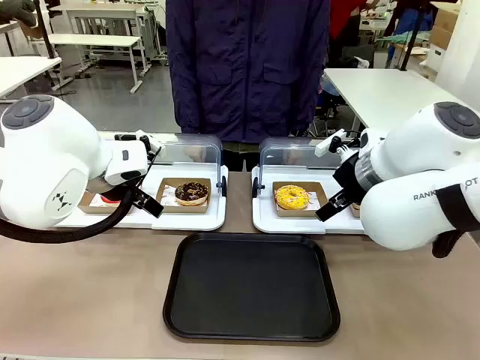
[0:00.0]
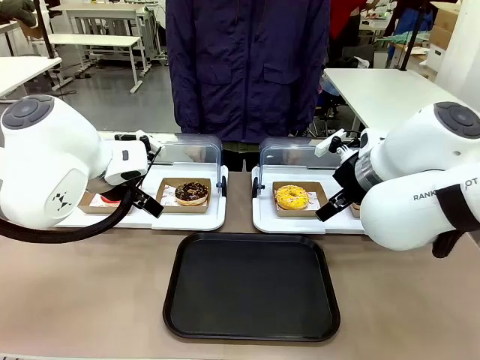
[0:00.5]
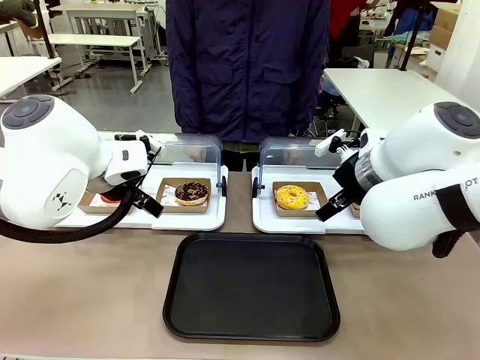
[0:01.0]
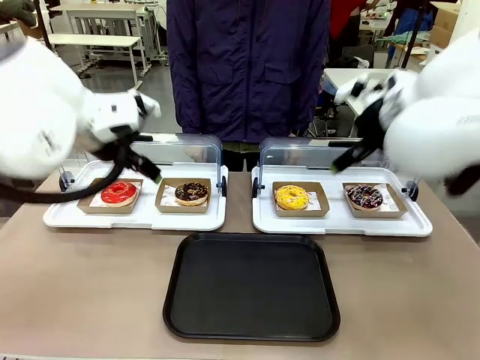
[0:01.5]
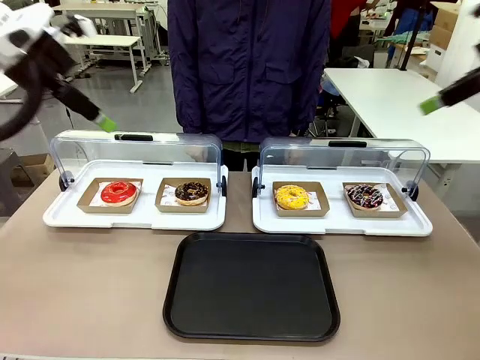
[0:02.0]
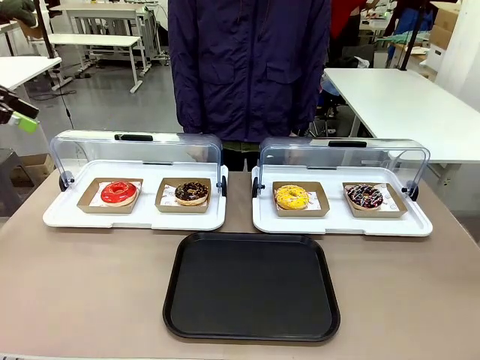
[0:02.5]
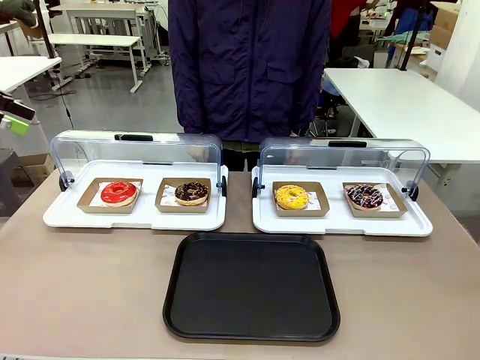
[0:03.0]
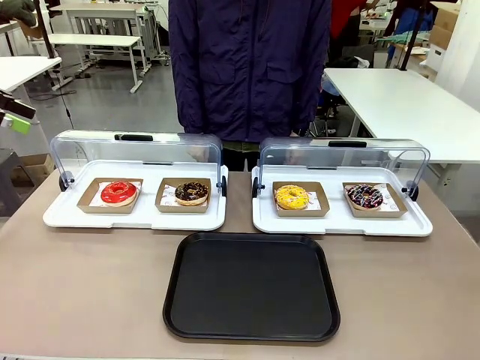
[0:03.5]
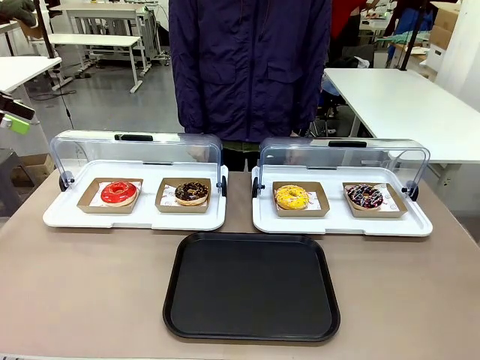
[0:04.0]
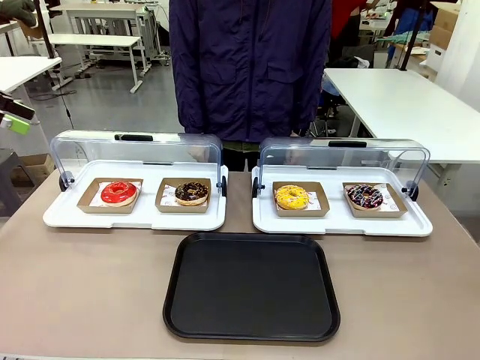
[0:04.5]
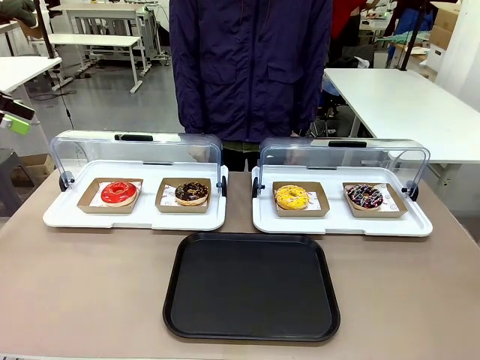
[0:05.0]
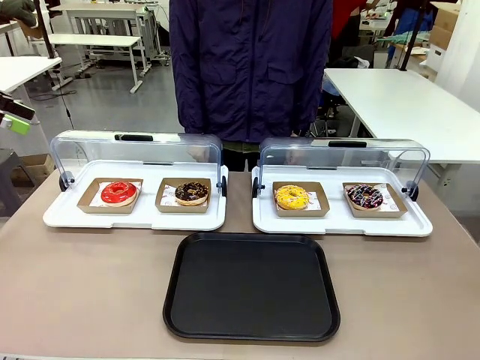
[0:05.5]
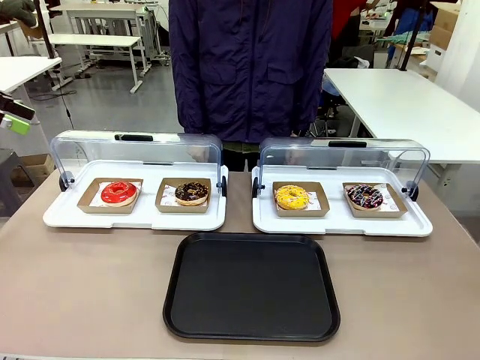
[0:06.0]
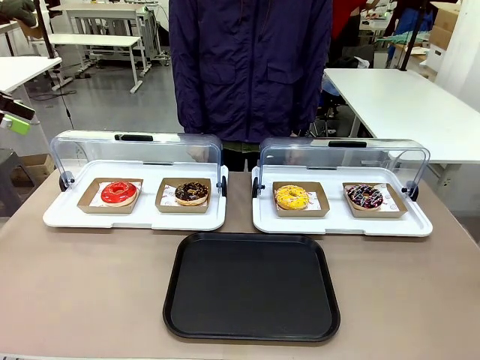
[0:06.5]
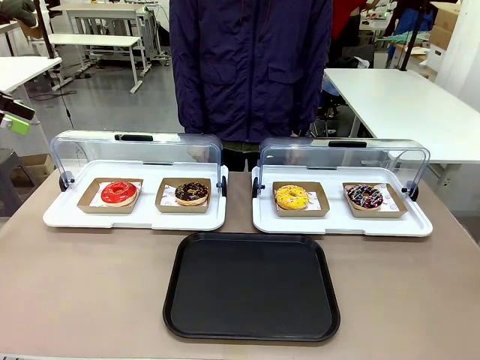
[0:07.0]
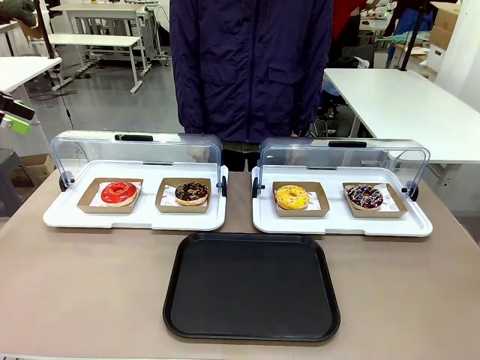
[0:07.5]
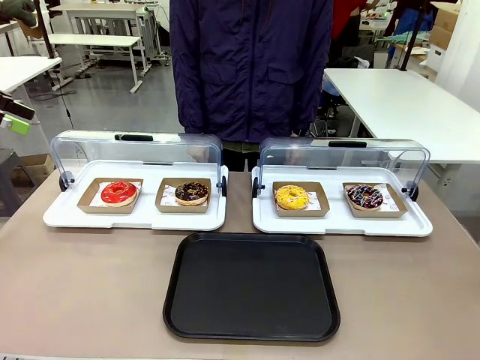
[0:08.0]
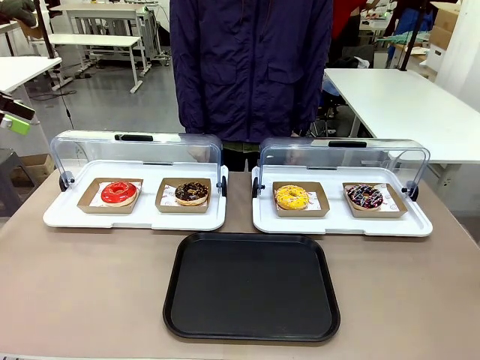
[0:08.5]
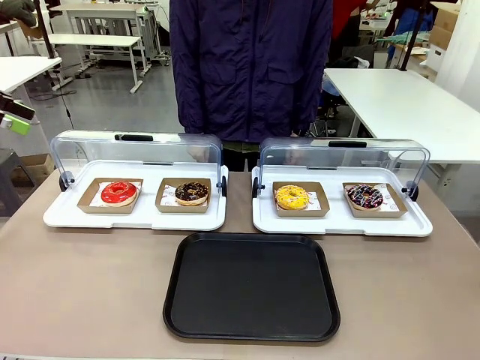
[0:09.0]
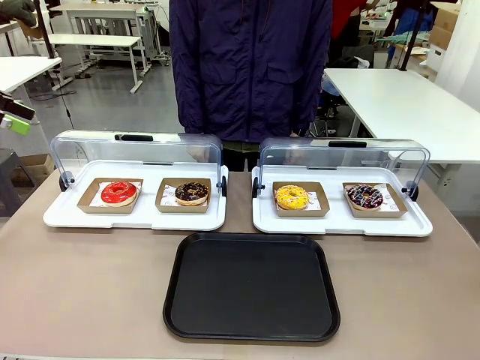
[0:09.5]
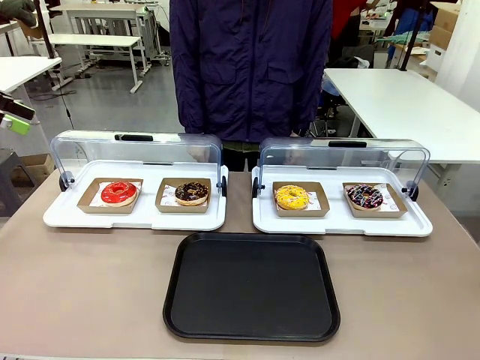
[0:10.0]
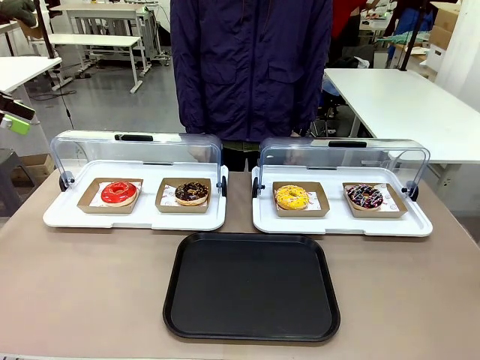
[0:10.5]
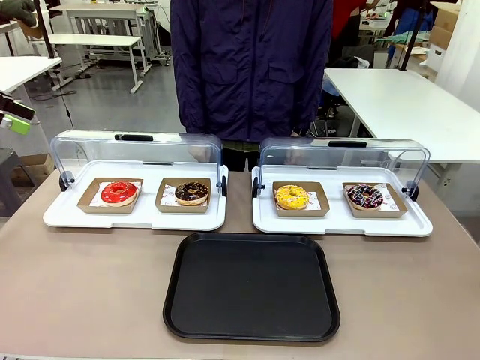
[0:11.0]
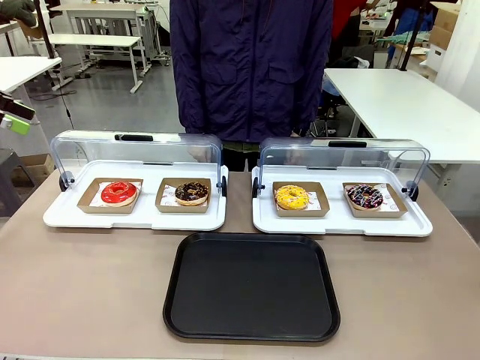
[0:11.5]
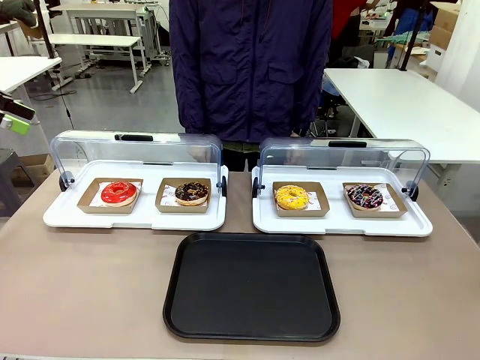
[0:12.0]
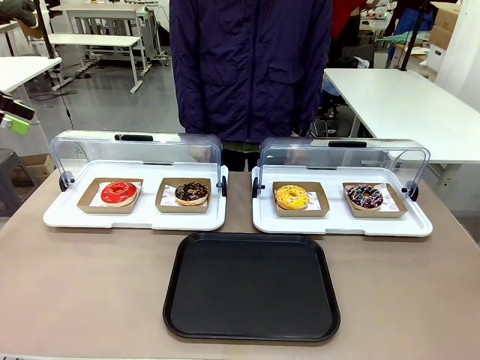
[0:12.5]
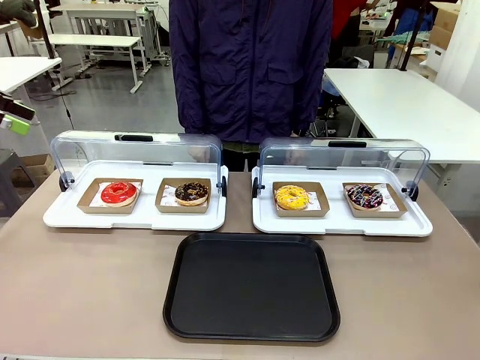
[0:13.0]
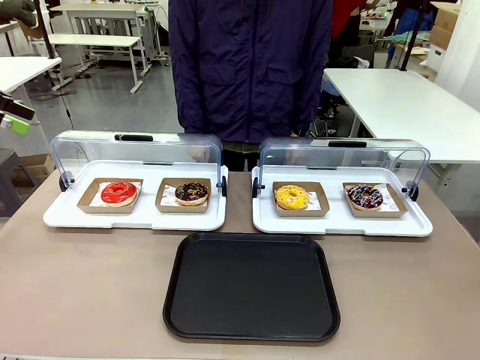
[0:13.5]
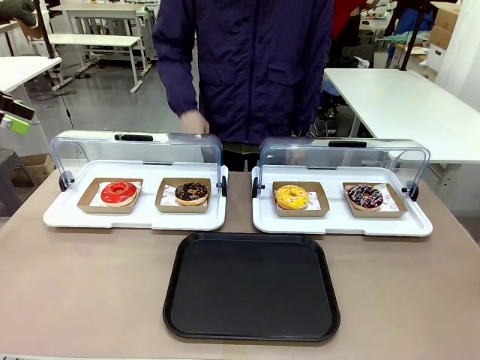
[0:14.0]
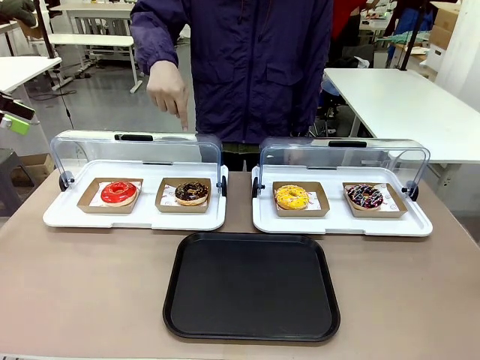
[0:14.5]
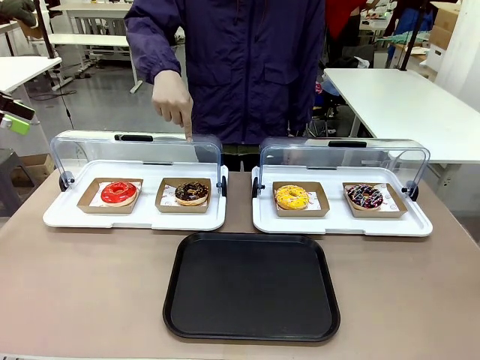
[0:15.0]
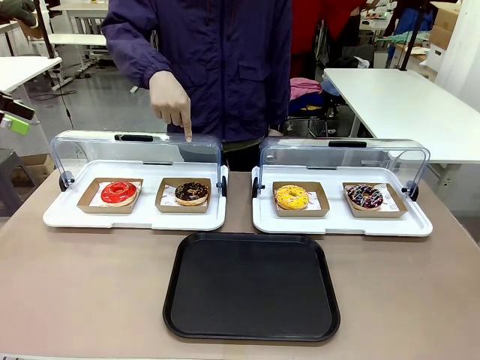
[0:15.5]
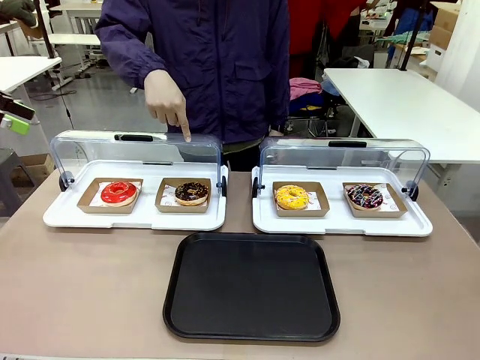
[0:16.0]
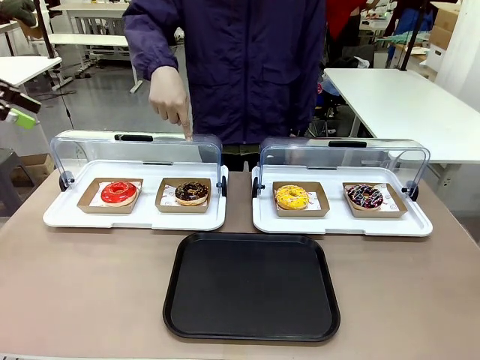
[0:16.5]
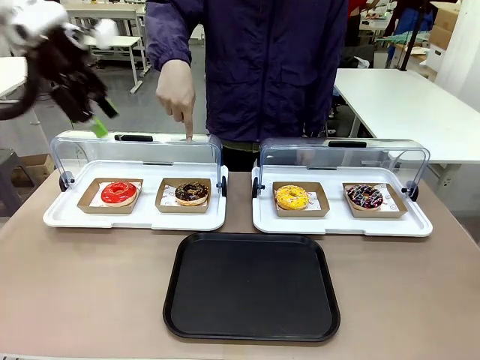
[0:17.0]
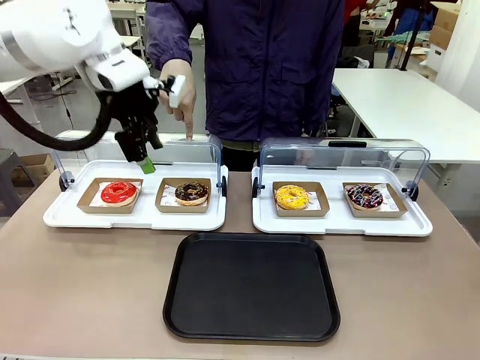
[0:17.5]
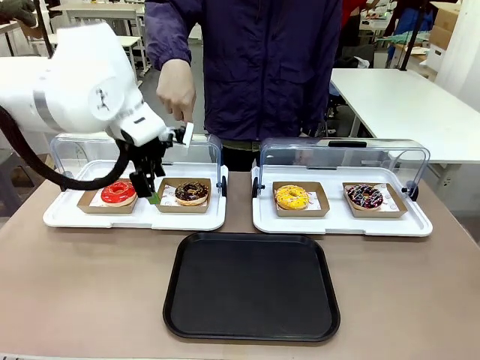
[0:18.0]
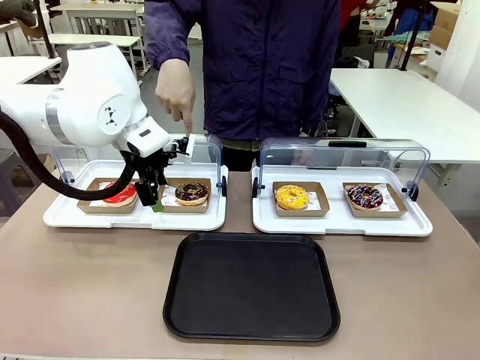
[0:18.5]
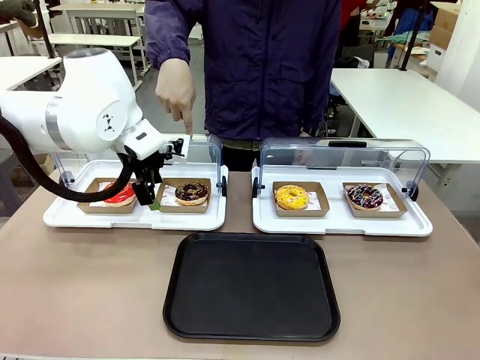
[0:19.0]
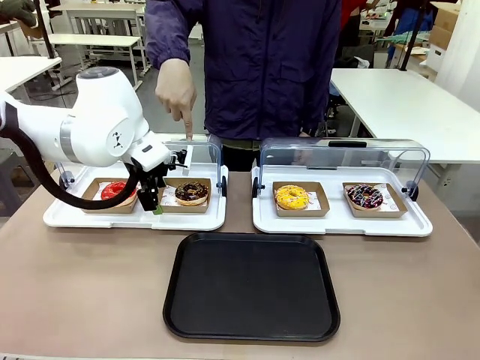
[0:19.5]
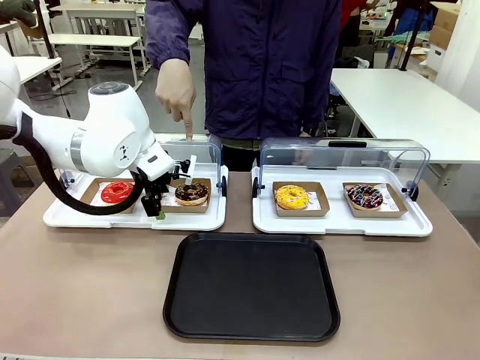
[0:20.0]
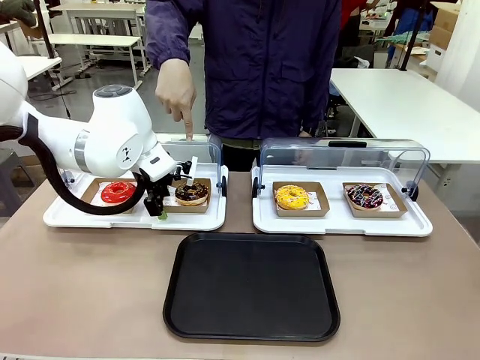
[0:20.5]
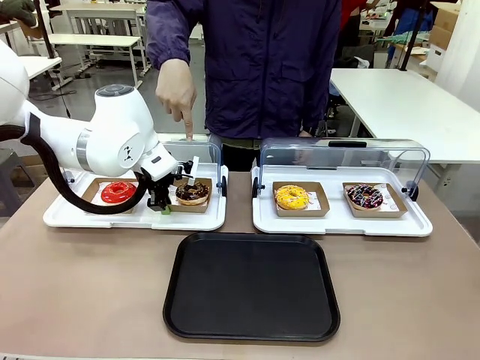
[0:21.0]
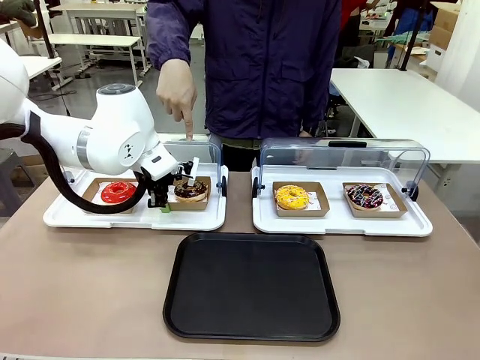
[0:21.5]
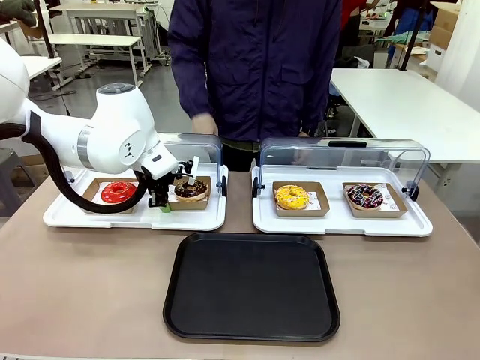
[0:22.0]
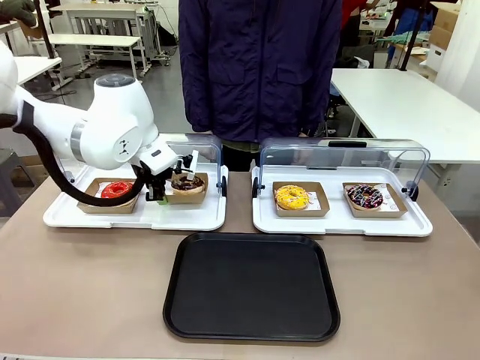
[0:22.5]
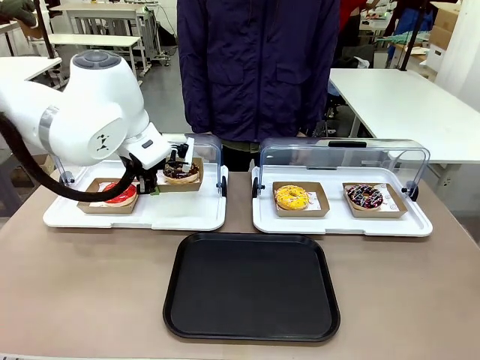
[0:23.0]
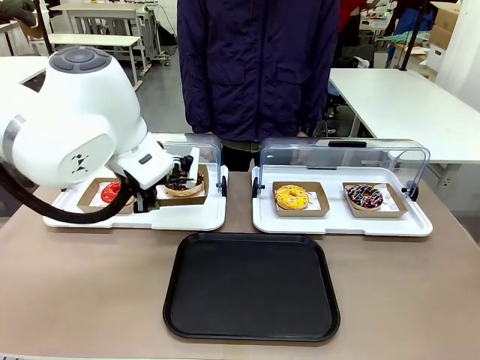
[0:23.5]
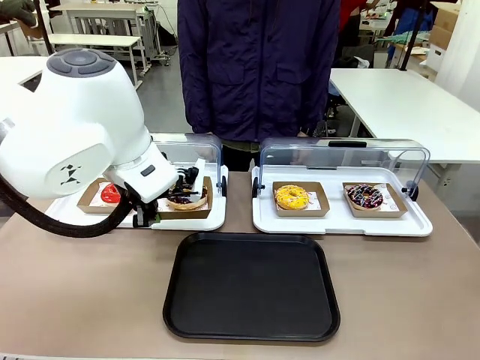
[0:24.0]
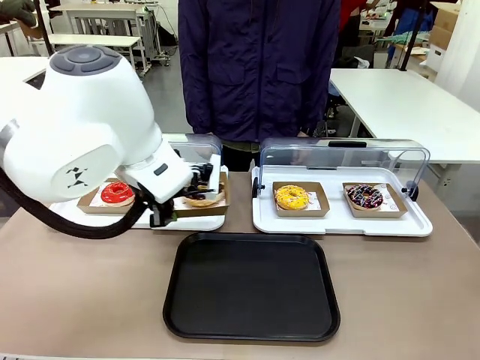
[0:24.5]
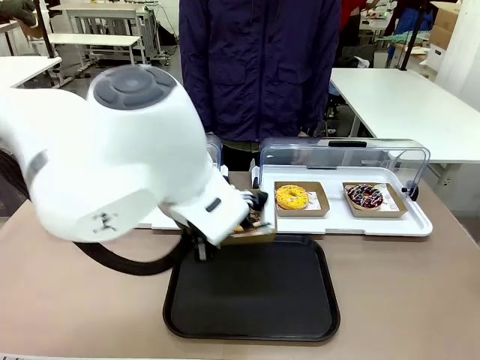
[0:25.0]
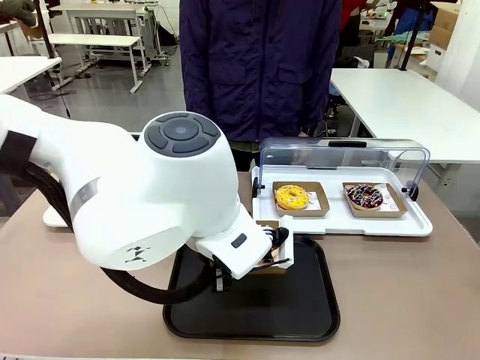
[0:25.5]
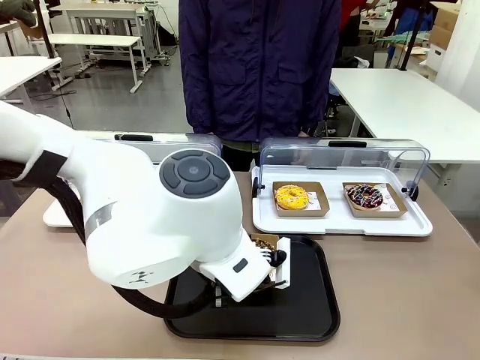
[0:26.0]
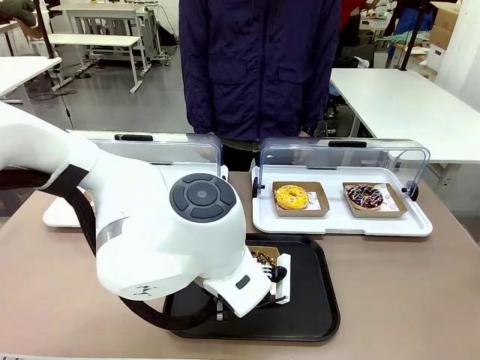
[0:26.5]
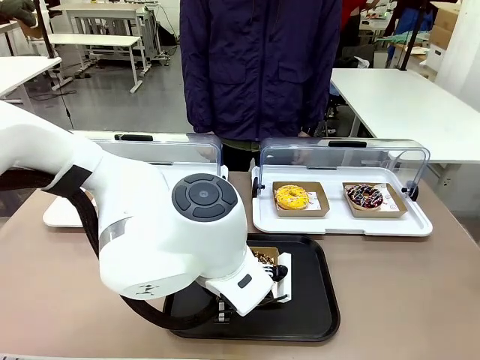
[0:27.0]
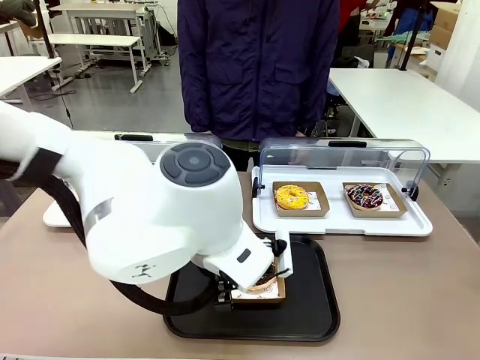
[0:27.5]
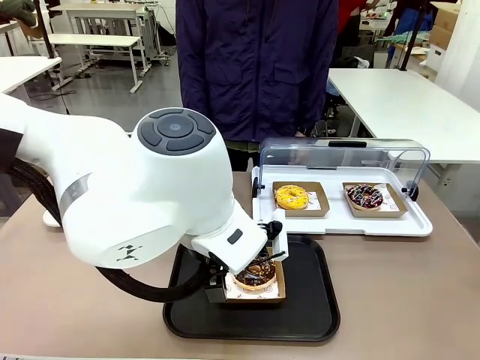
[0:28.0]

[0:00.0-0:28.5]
Task: Move the second donut from the left to the tray.
Robot: Pick up the Paper togo box containing the Donut indicated by the person and place it on the Handle tray.
Person: Points to the second donut from the left from the robot’s perspective.
